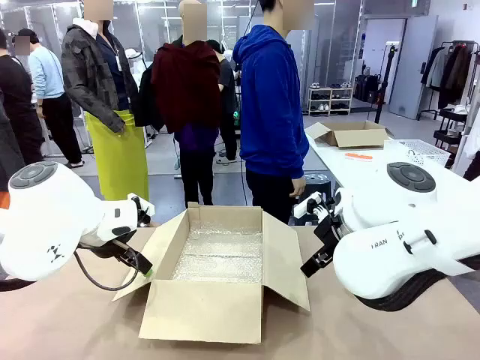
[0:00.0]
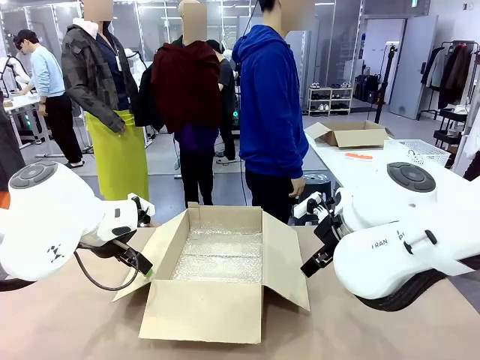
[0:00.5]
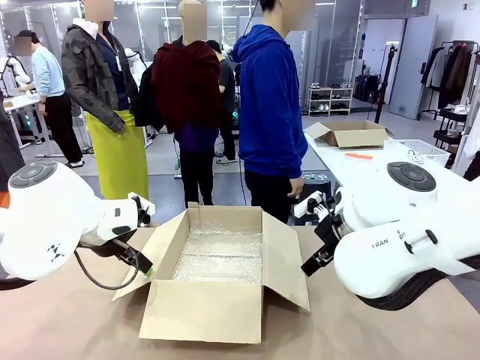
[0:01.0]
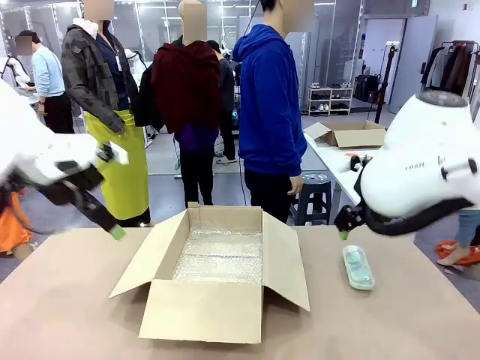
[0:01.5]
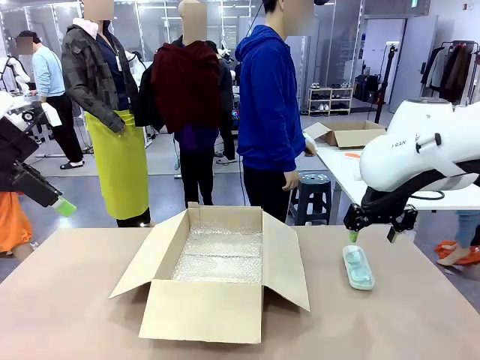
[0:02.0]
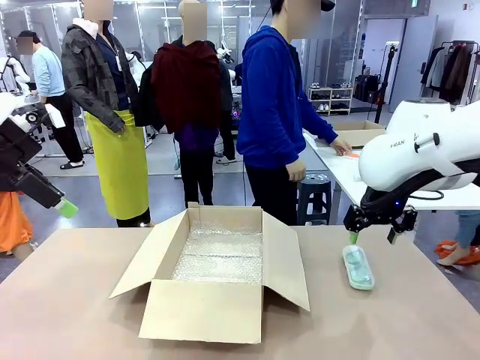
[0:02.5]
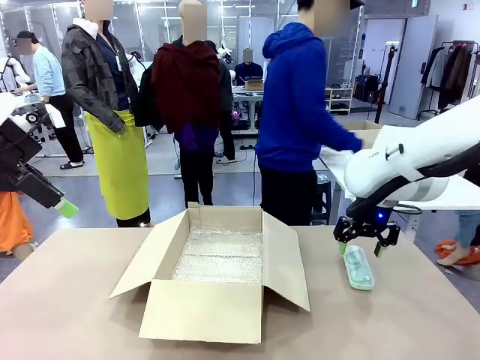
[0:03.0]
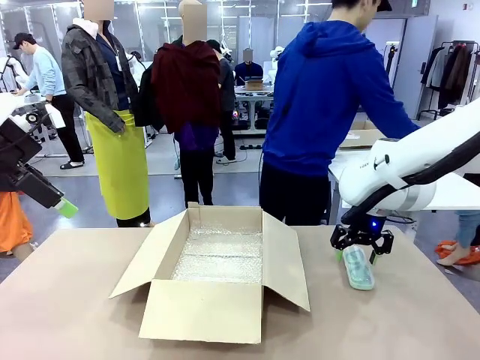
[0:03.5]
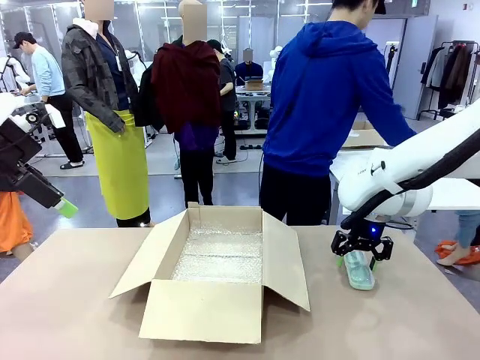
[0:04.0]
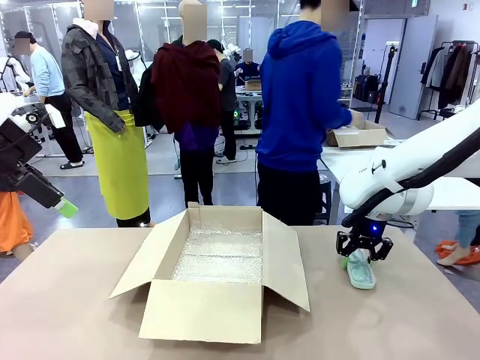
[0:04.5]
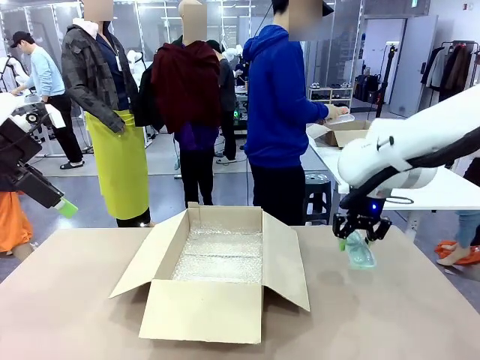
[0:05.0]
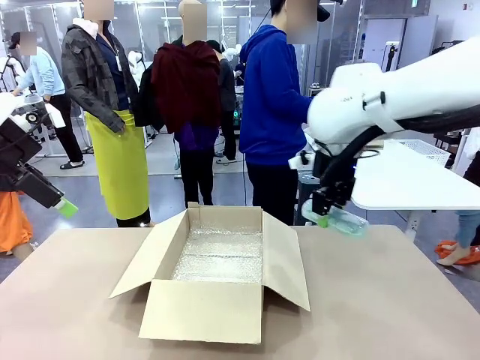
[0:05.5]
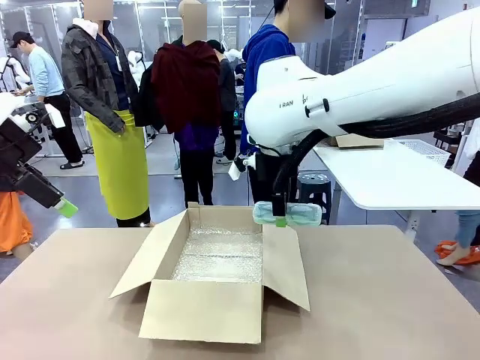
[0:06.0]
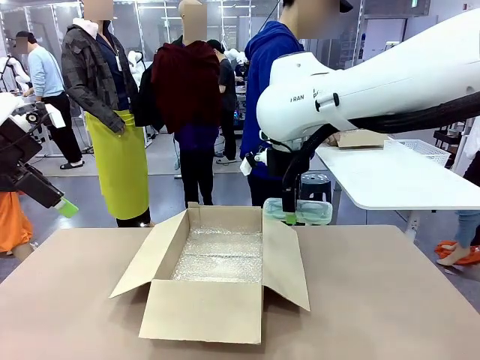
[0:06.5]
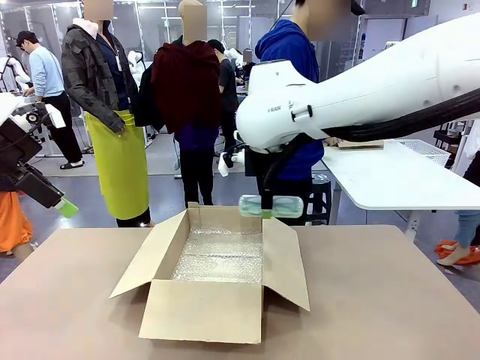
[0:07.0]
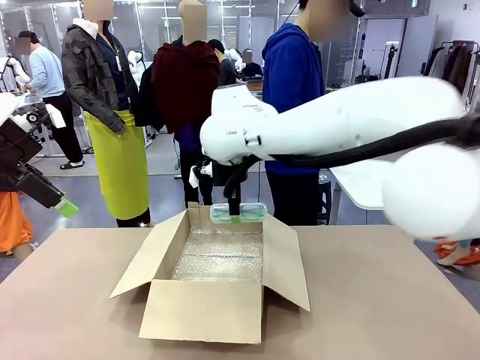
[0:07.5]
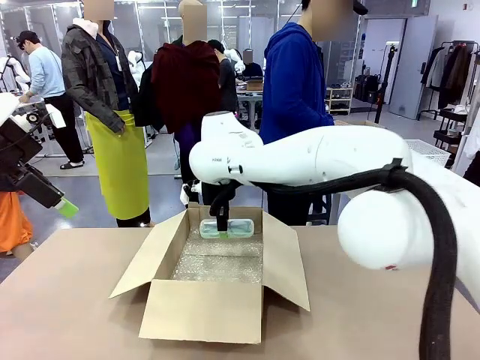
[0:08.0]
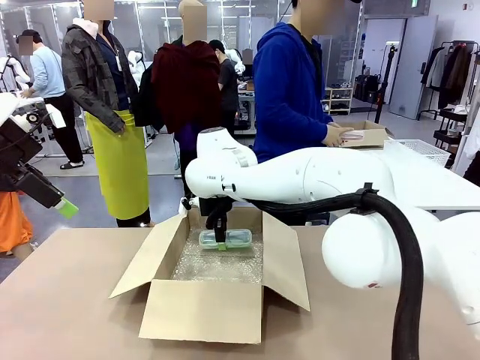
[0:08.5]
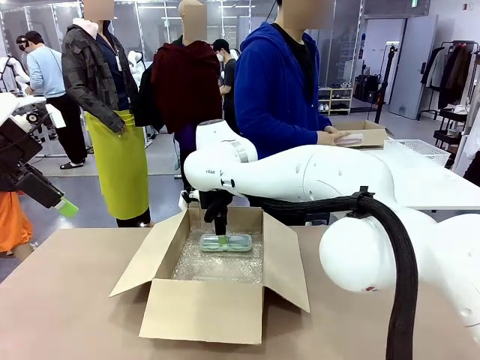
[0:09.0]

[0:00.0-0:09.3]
Task: Pack the glasses set securely to prepare it for shipping.
Robot: Place the Glasses case inside the Package Box.
Person: Place the Glasses inside the Glasses case.

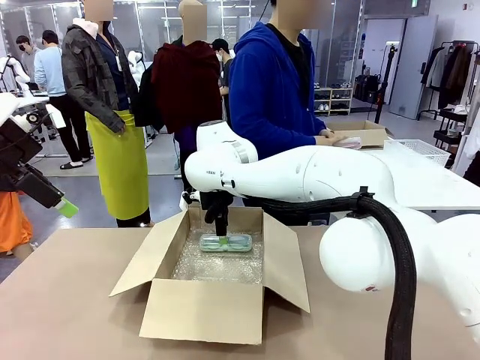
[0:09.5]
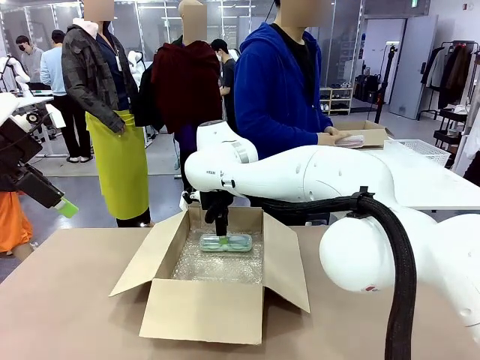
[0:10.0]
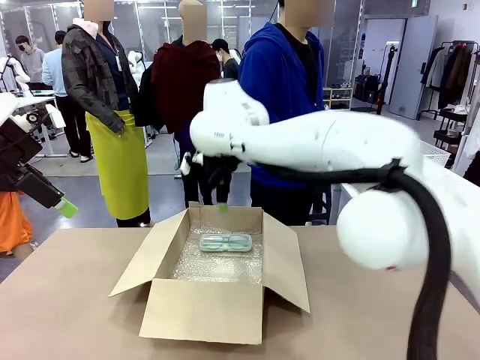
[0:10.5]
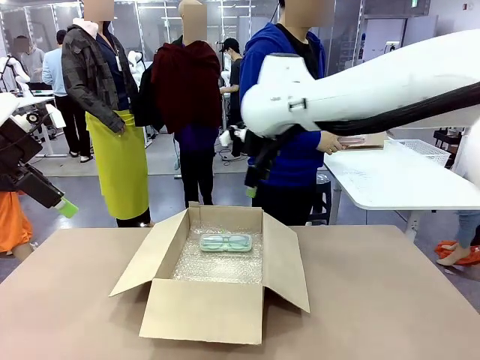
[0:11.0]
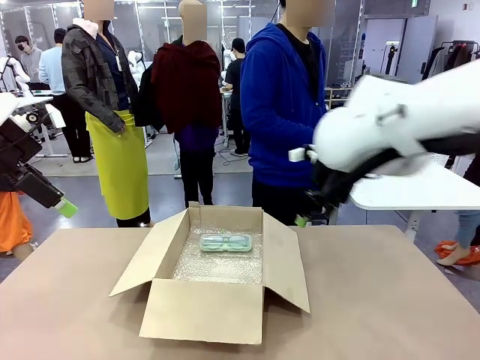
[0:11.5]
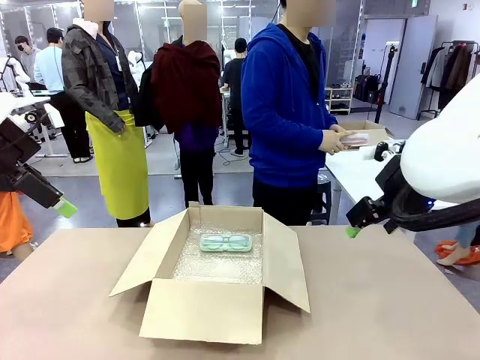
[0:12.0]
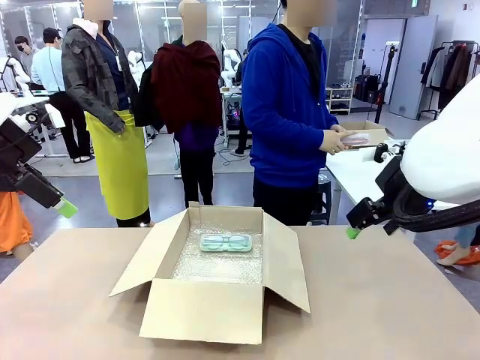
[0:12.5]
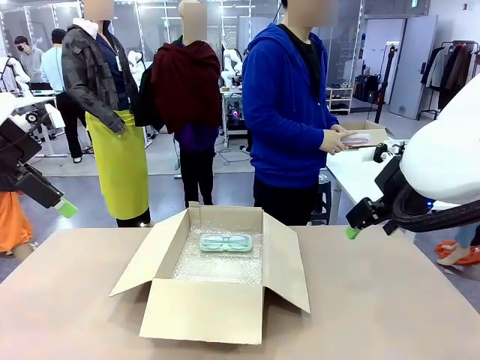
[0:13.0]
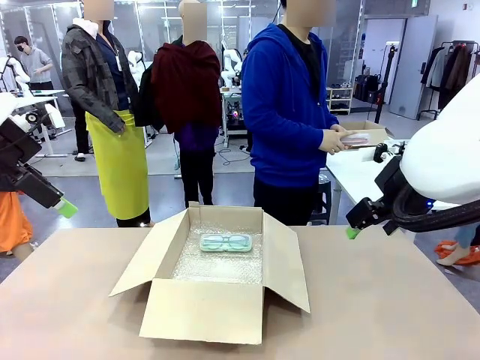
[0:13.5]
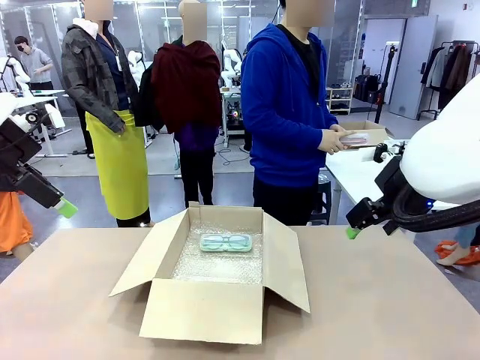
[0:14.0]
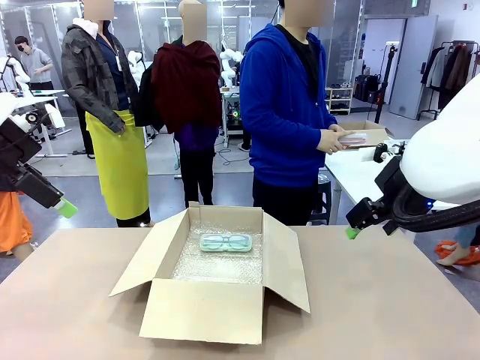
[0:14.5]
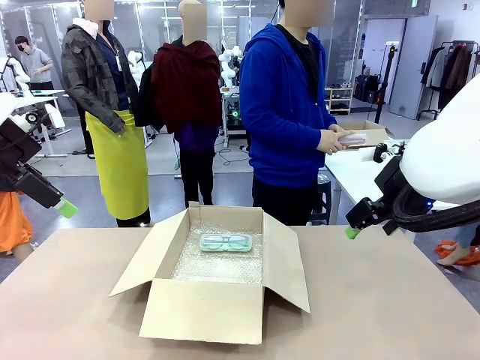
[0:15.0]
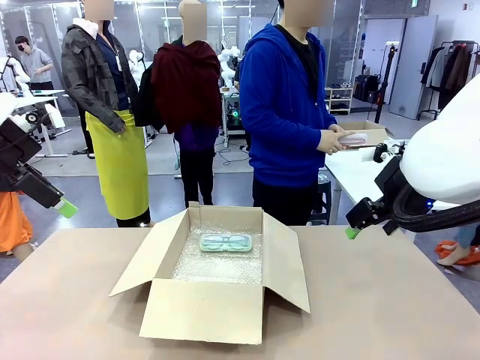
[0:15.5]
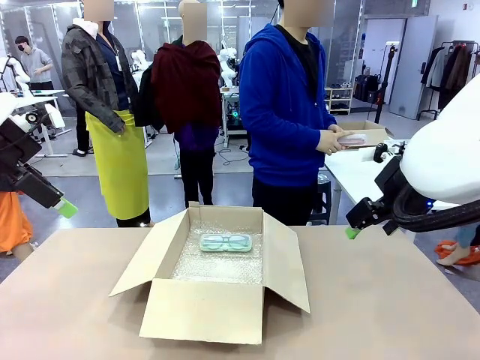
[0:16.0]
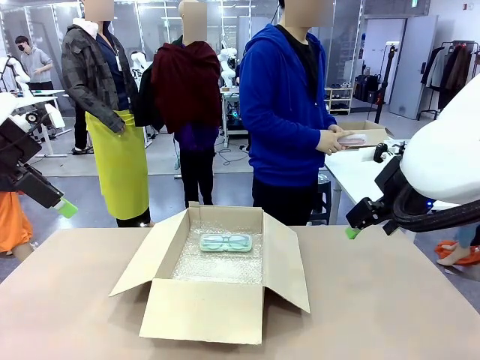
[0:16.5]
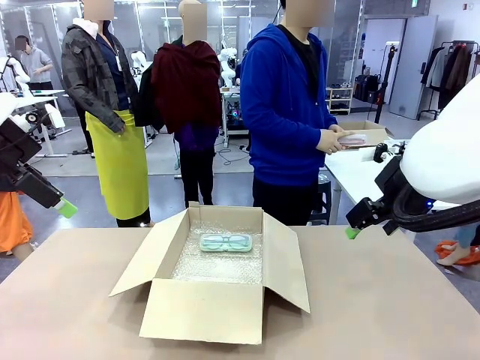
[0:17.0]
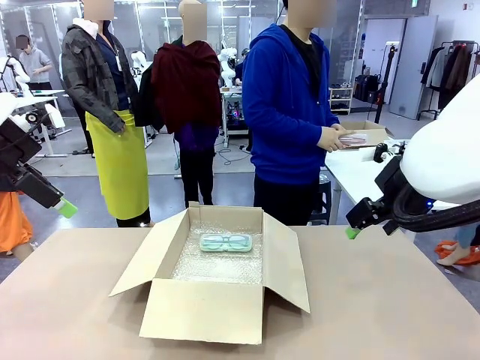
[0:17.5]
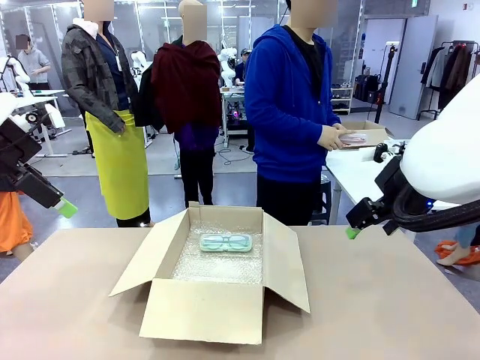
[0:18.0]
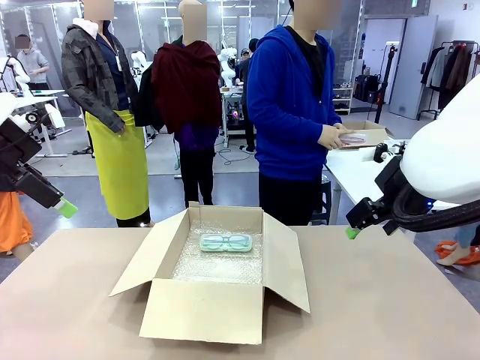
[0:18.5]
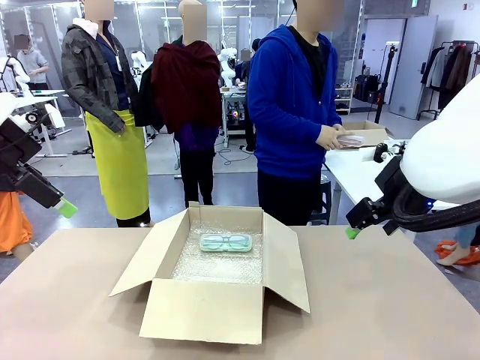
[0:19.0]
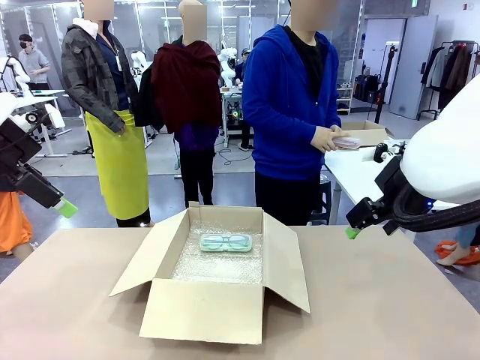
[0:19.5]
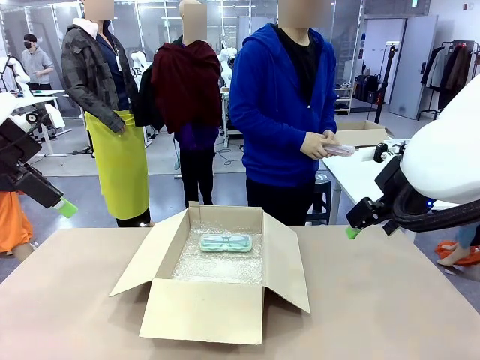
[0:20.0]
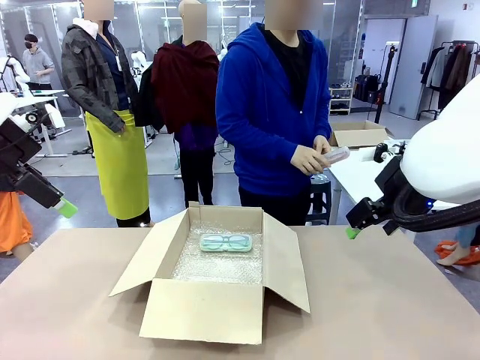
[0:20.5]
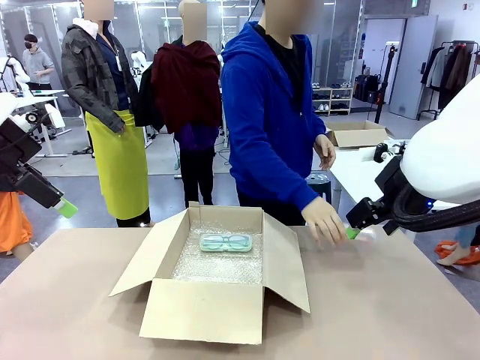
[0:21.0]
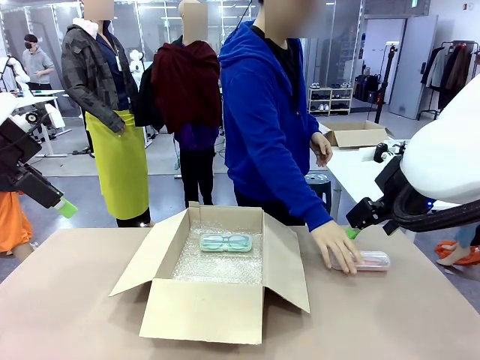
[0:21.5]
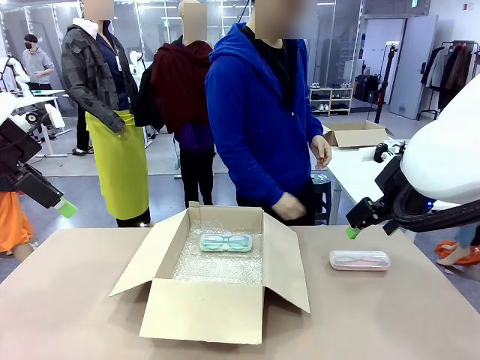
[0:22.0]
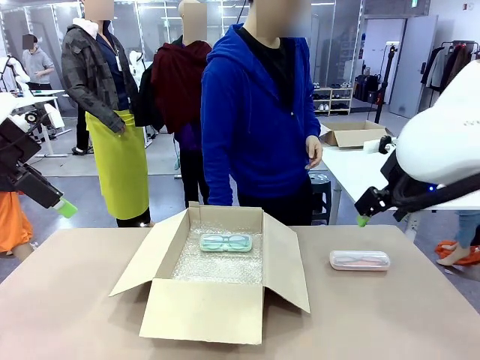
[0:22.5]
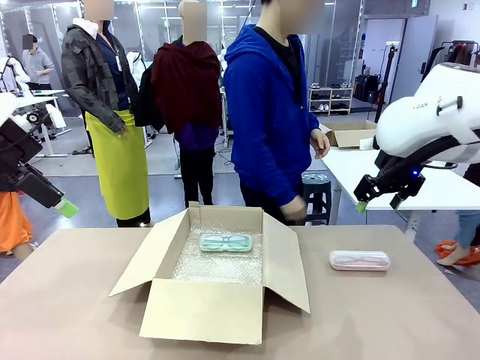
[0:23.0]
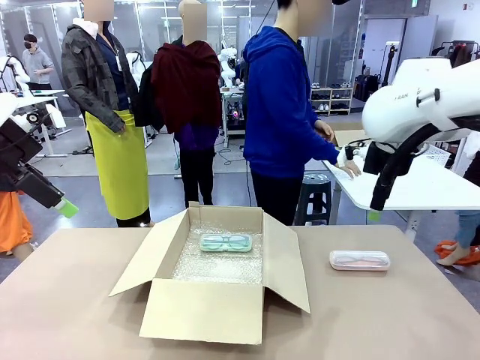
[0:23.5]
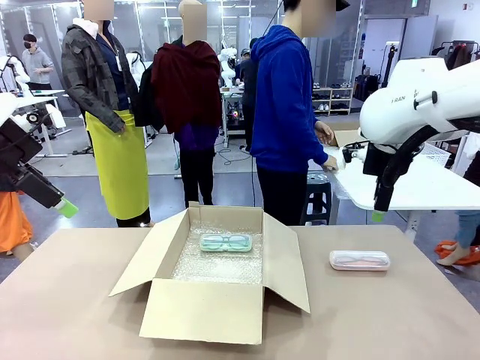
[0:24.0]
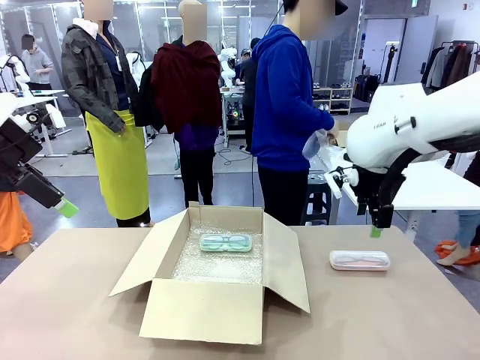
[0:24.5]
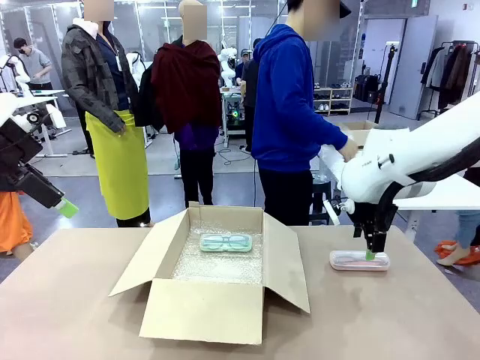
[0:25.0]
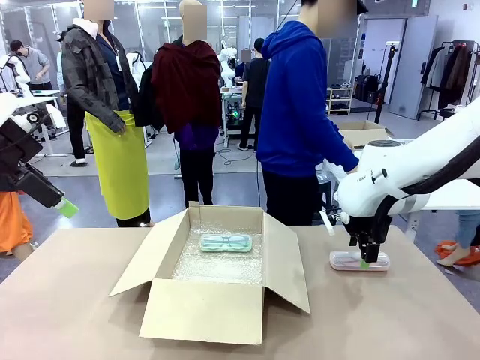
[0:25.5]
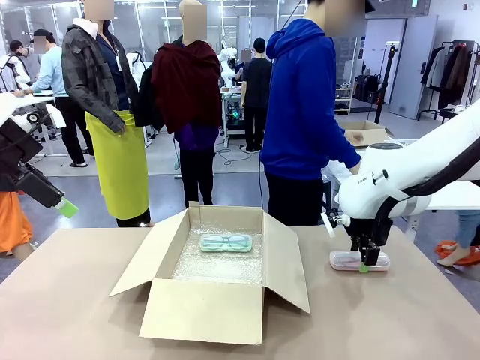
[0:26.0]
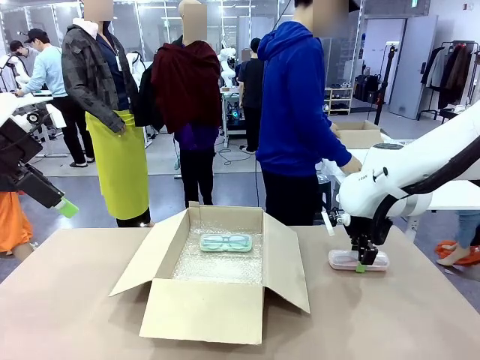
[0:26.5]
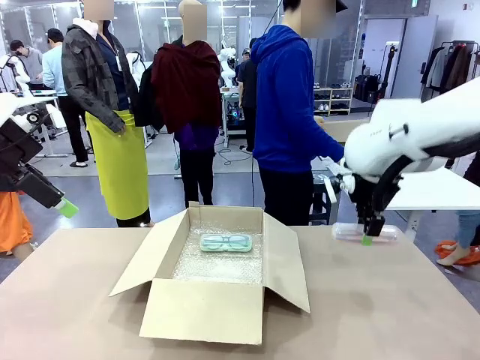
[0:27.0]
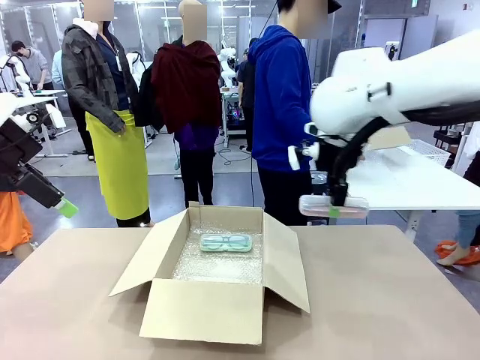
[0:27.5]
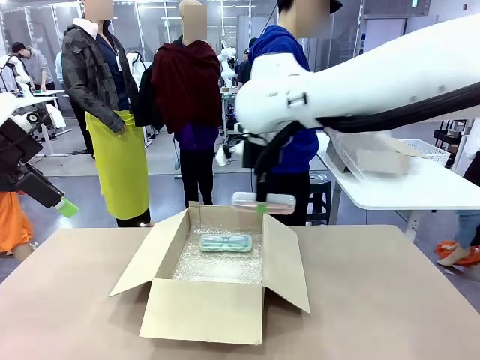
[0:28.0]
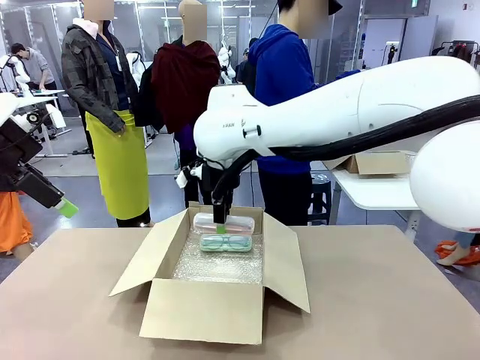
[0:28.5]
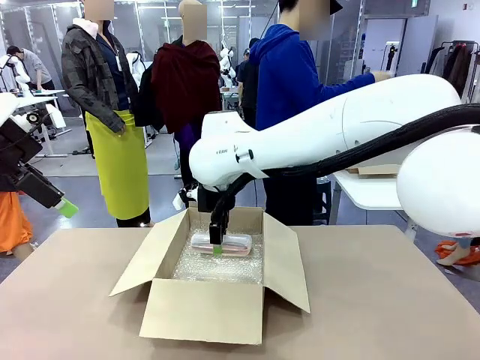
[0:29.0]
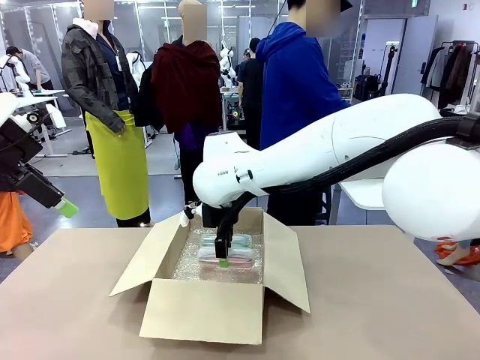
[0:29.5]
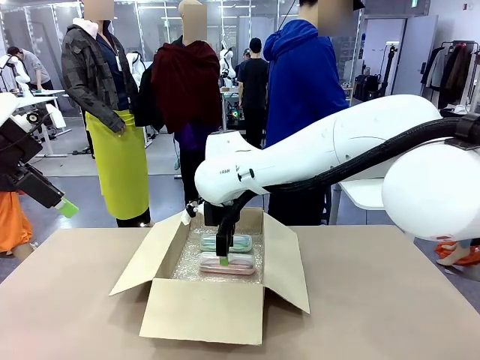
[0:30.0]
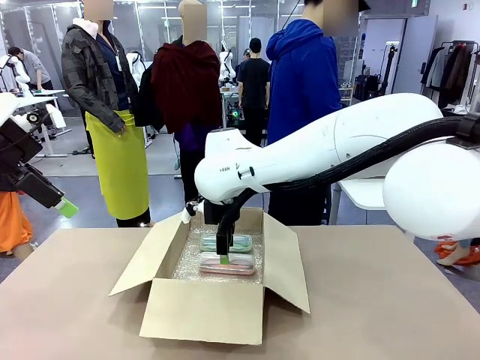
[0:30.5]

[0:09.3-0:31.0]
Robot: Put the Glasses case from the right side of the table into the Package Box.
Person: Position the Glasses case on the left side of the robot's table.
